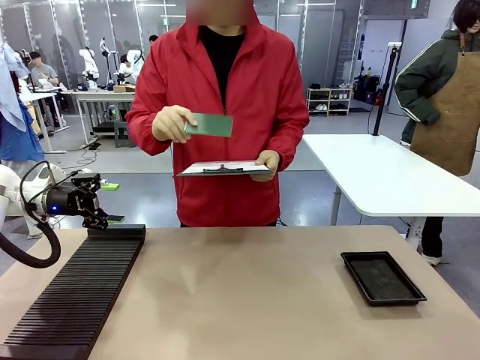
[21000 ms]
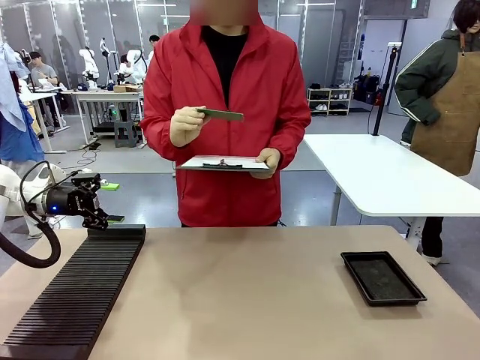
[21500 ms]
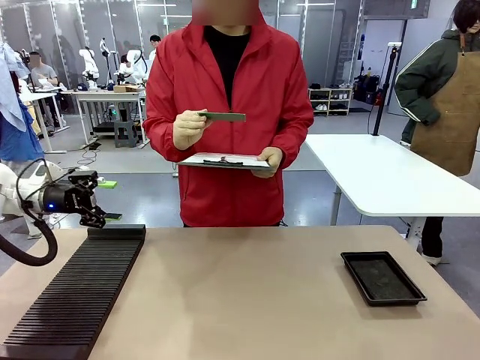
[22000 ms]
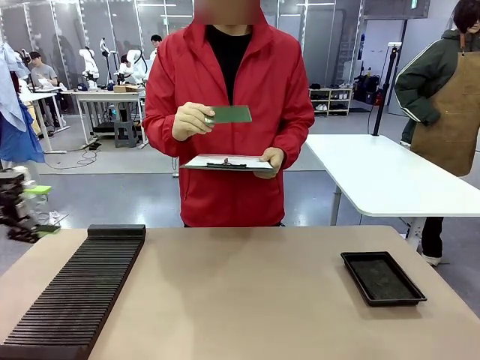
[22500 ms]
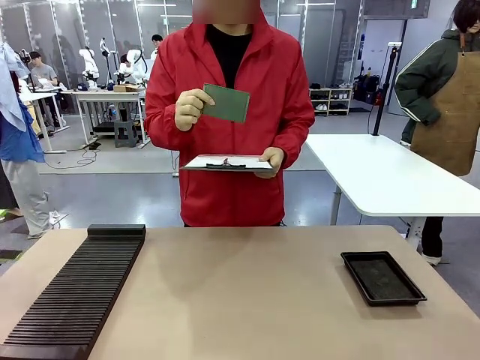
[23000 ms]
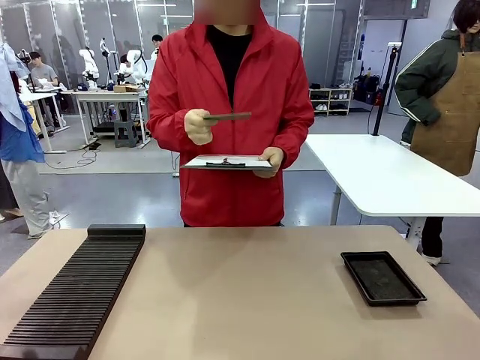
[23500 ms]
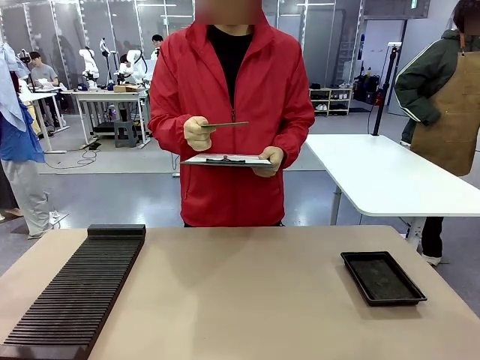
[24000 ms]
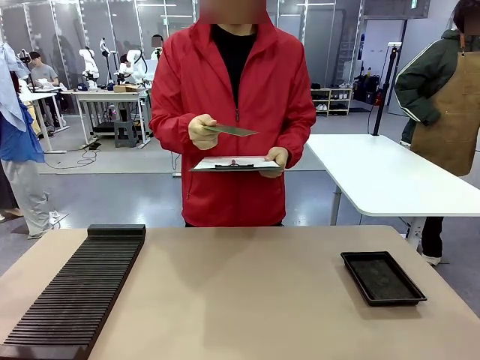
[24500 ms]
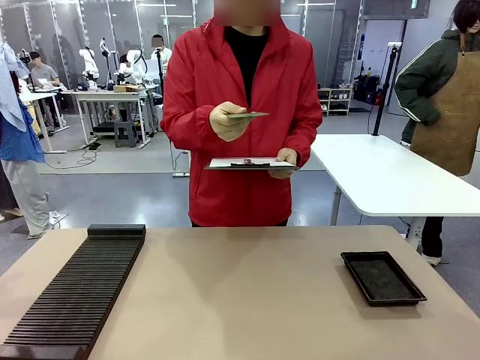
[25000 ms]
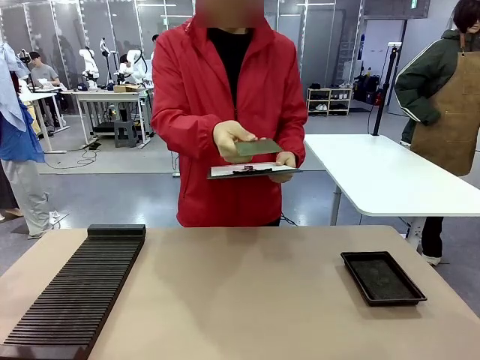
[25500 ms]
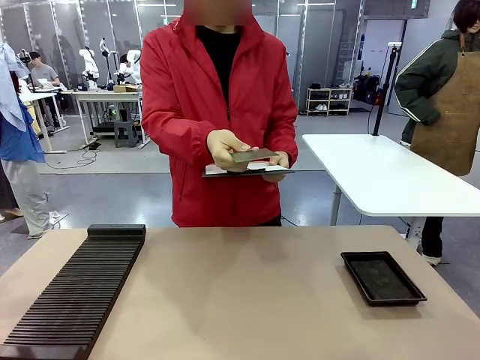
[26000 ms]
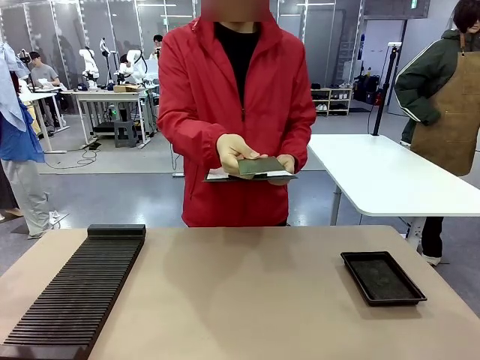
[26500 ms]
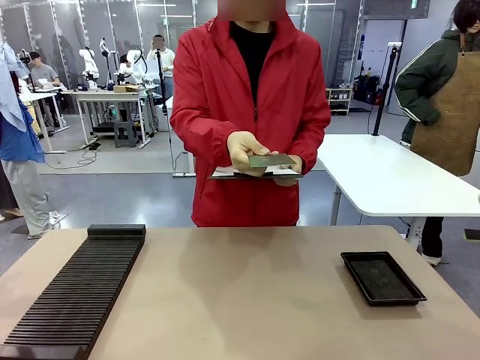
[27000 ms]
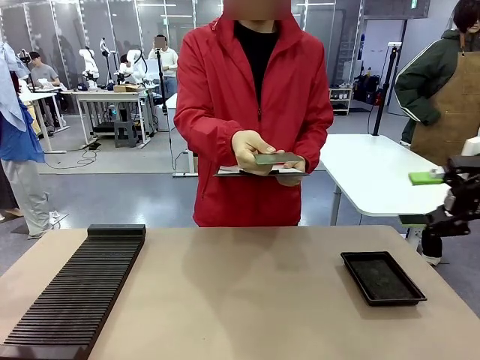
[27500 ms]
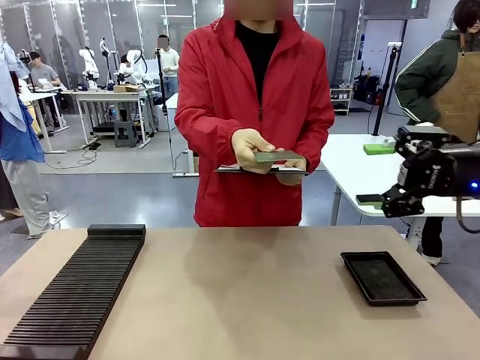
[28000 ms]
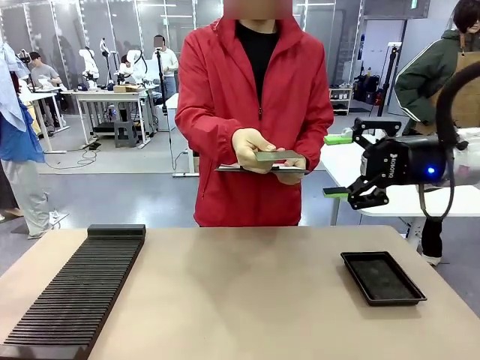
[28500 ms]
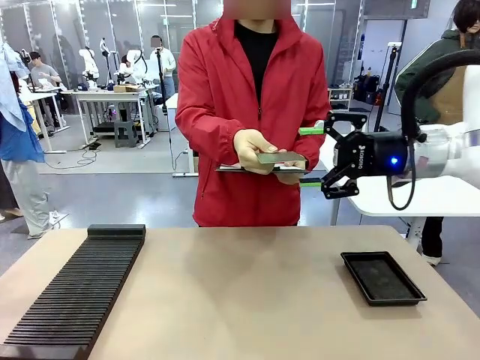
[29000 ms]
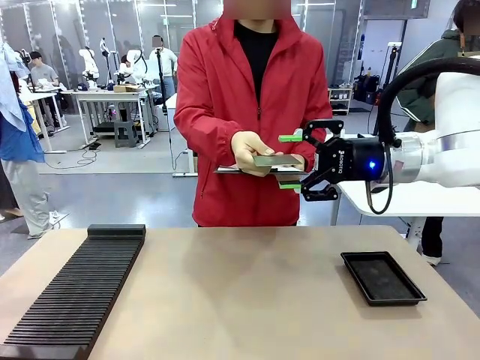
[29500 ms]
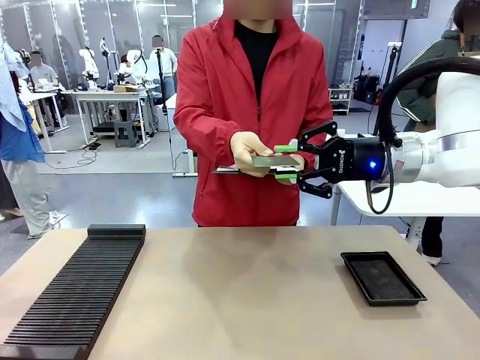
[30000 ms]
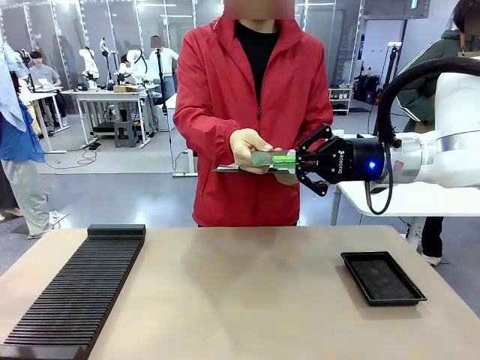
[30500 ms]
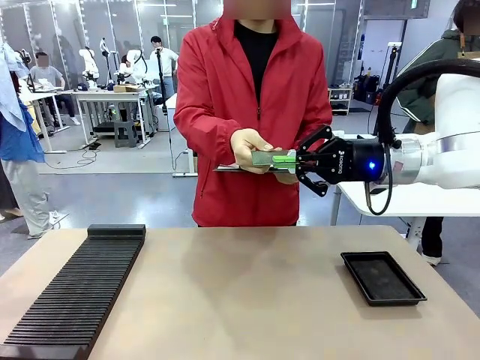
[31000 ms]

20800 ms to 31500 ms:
Task: Inspect the PCB.
Robot: Pick up the Blank PCB that the human is holding.
Person: Inspect the PCB placed by the robot, then hold it out in front of the robot. Release the PCB you were holding.

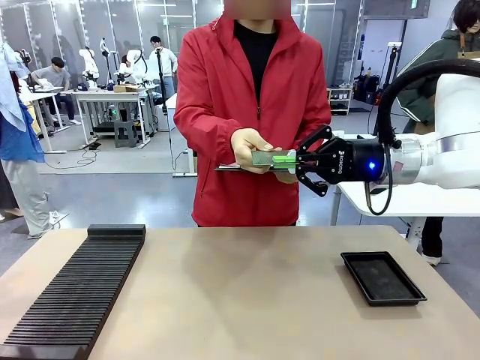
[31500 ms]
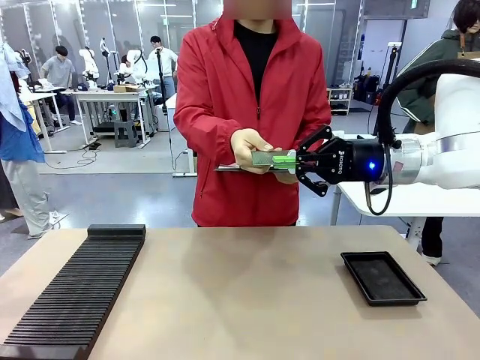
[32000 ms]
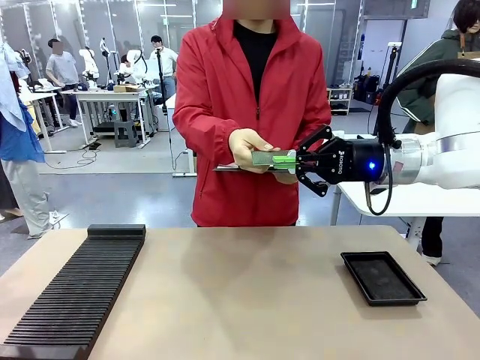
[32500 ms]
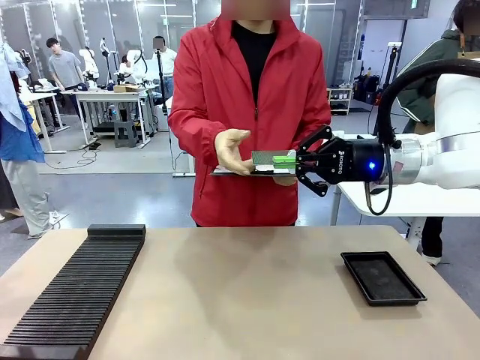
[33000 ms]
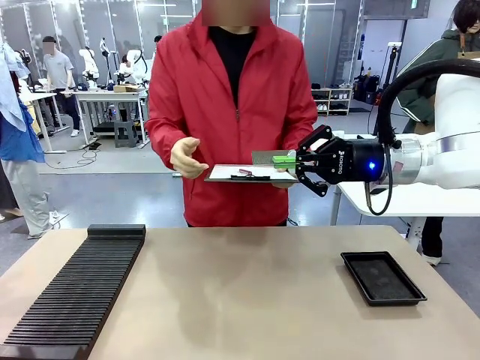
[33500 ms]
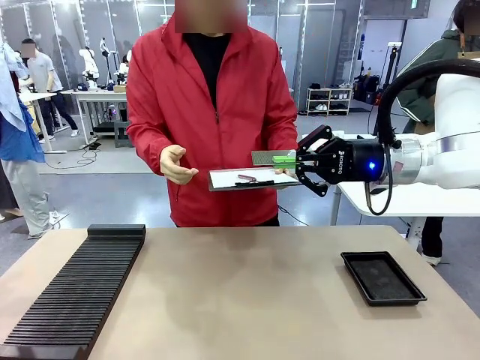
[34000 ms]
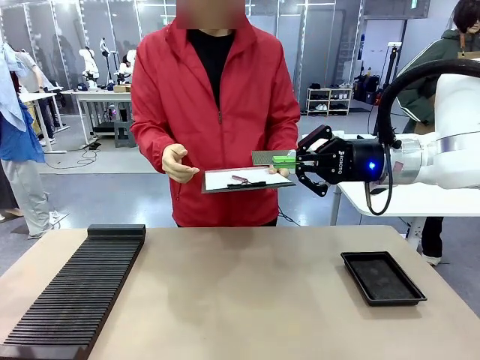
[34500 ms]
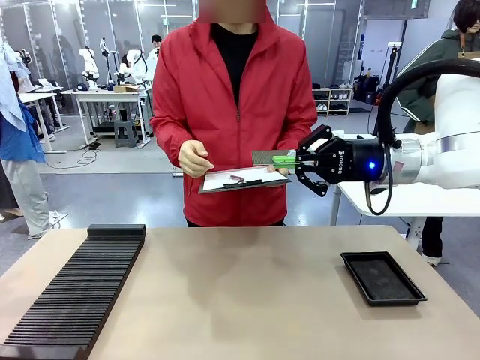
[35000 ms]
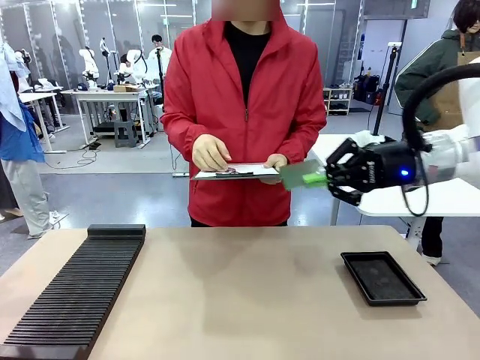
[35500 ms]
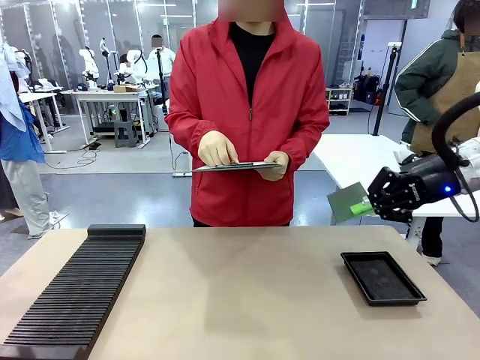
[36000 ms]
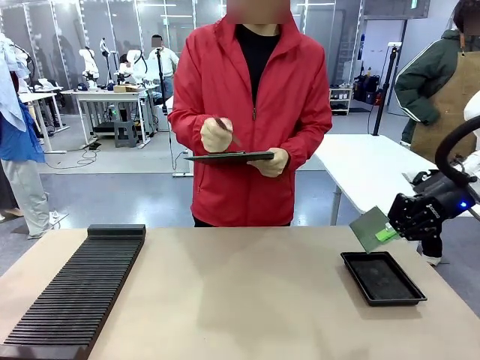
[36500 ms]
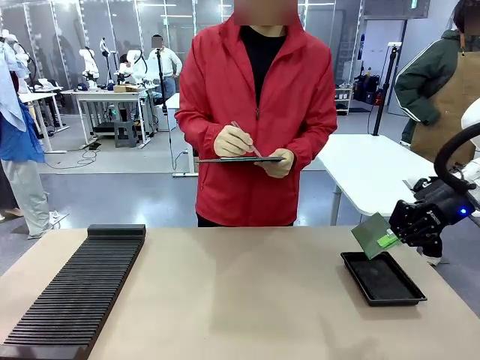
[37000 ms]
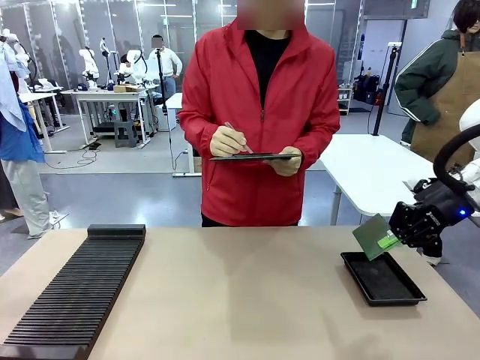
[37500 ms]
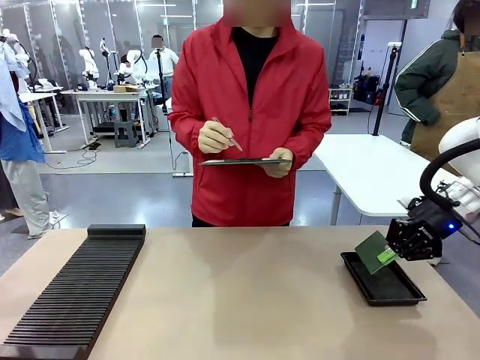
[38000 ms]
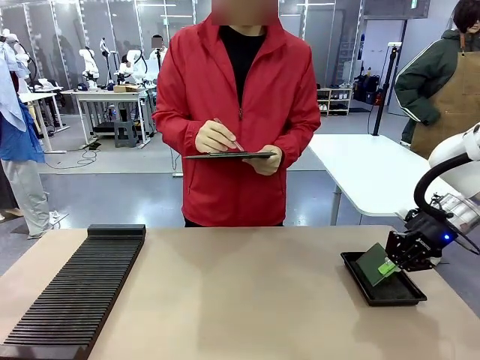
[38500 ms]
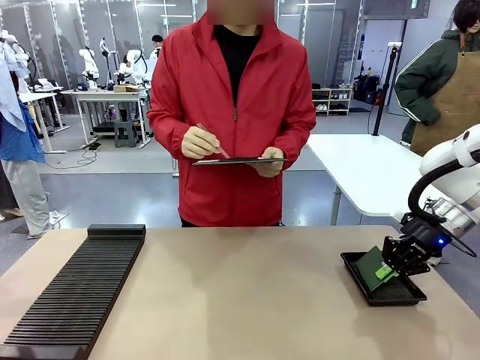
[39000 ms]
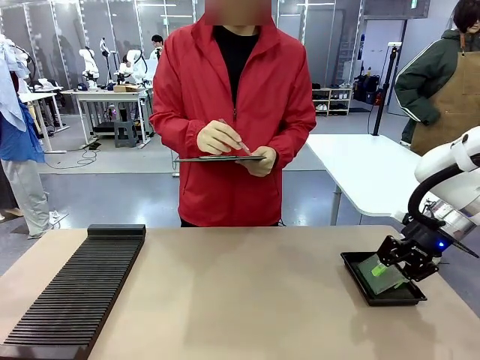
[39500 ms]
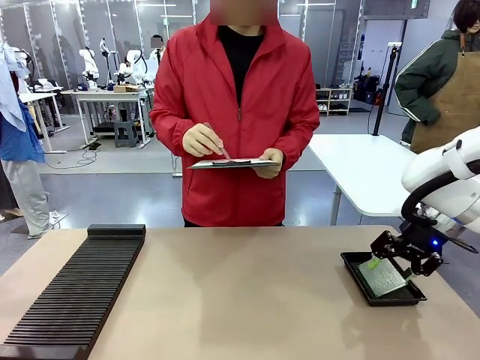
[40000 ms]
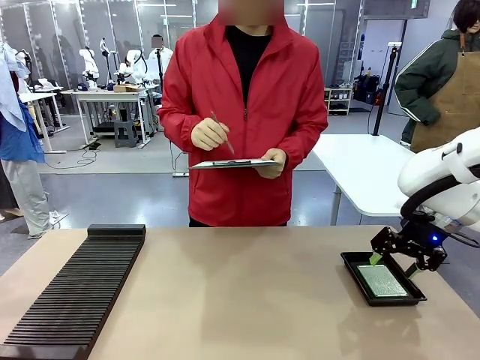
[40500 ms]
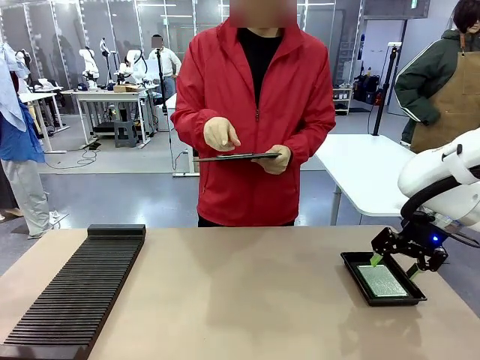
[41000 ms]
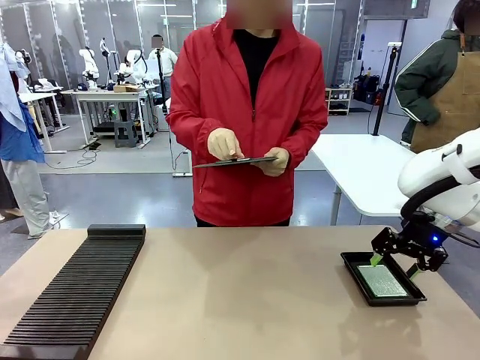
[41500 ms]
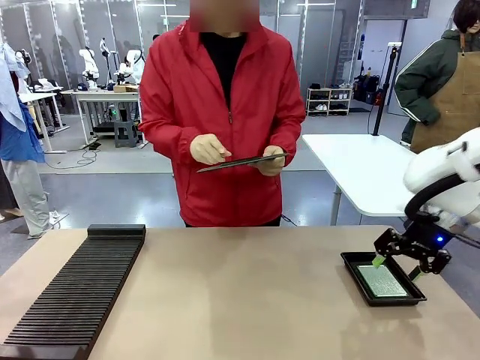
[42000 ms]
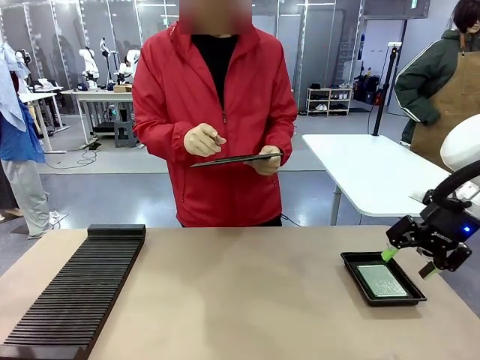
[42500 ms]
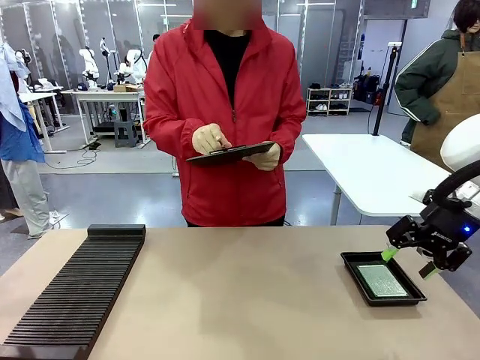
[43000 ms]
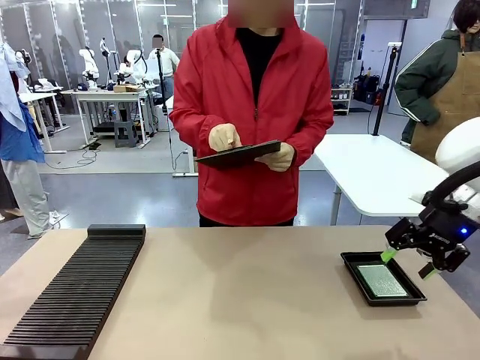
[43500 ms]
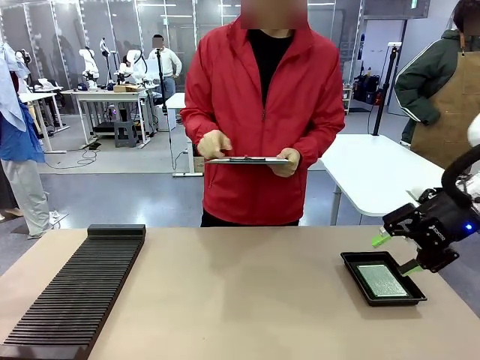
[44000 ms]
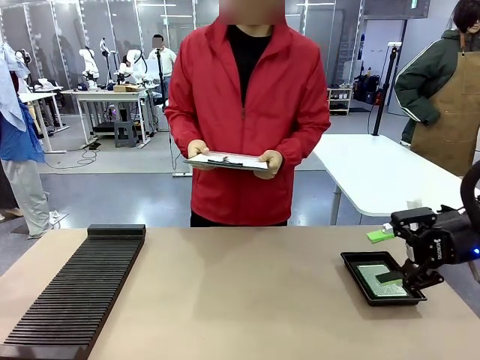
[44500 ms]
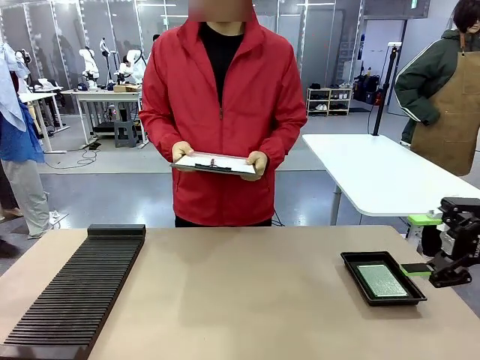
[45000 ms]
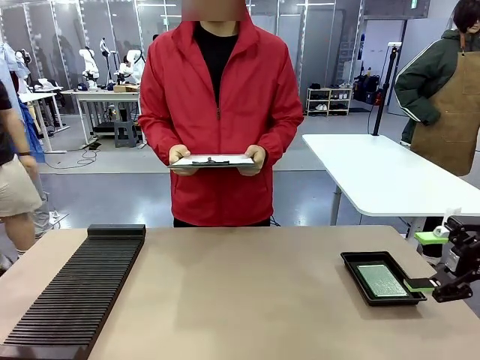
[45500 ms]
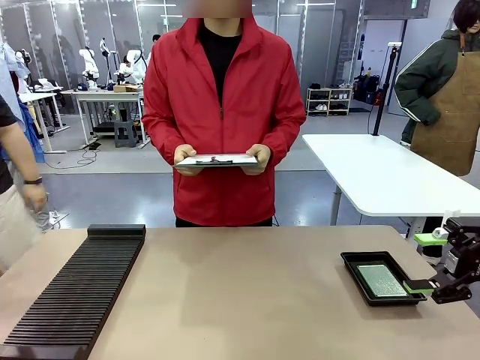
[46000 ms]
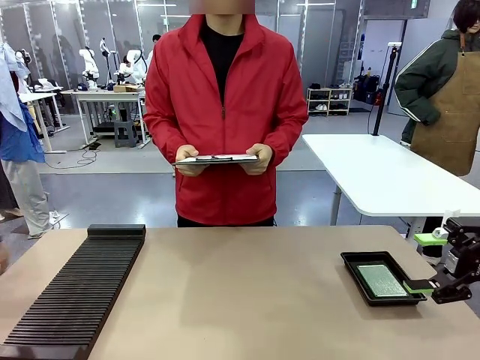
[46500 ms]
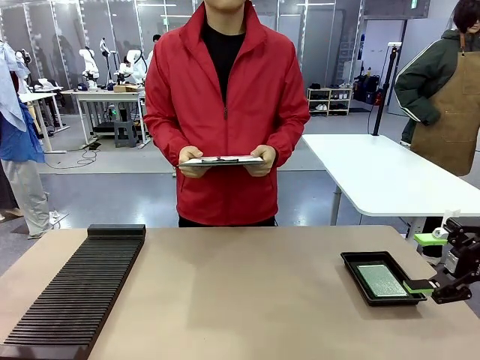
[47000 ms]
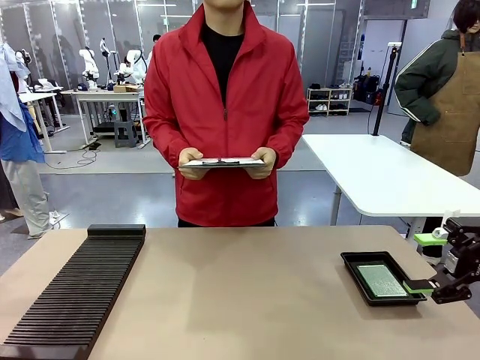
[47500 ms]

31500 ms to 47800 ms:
Robot: Place the Blank PCB in the ESD tray.
Person: Record the PCB status on the paper.
